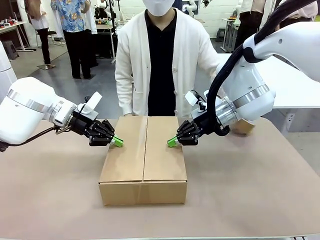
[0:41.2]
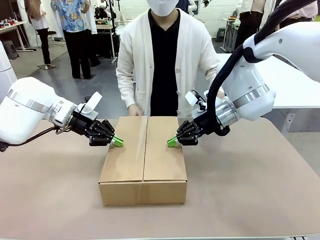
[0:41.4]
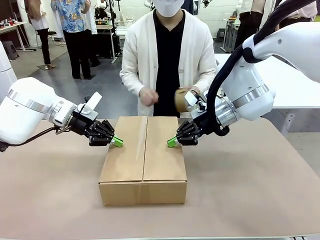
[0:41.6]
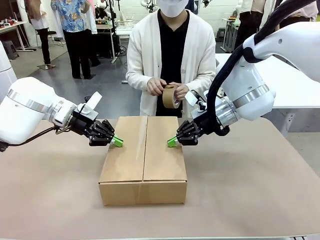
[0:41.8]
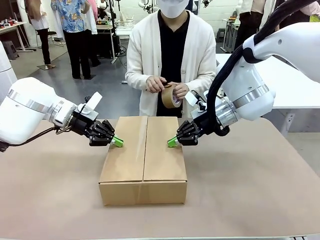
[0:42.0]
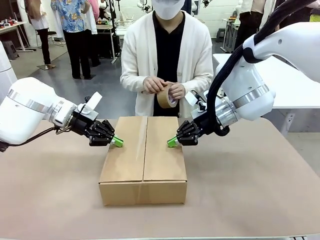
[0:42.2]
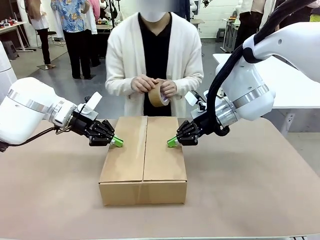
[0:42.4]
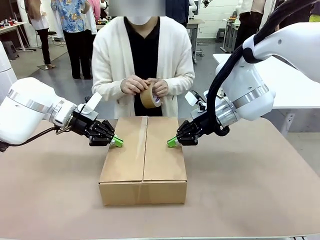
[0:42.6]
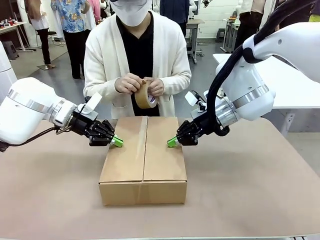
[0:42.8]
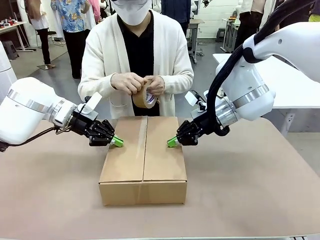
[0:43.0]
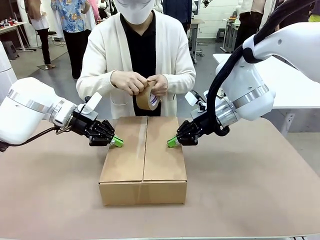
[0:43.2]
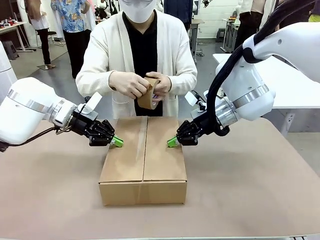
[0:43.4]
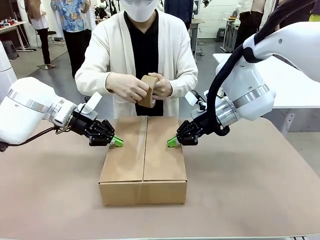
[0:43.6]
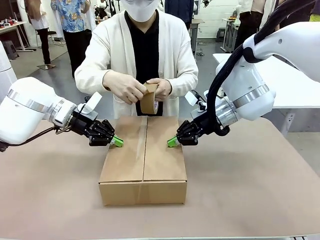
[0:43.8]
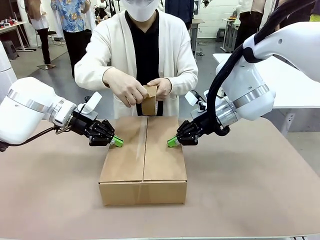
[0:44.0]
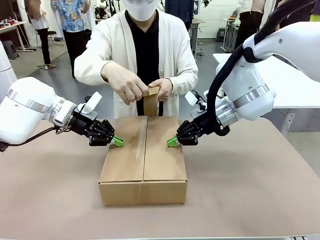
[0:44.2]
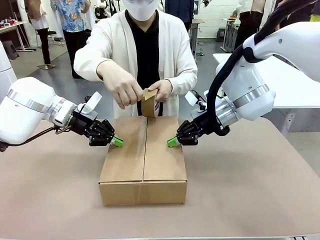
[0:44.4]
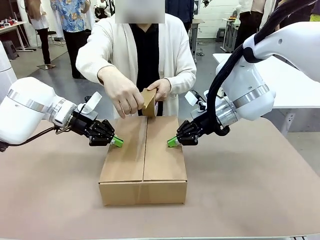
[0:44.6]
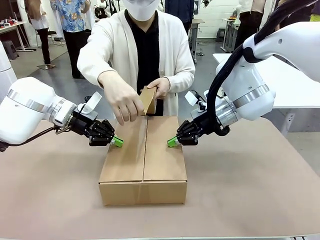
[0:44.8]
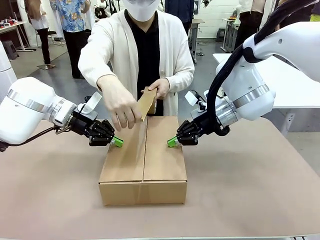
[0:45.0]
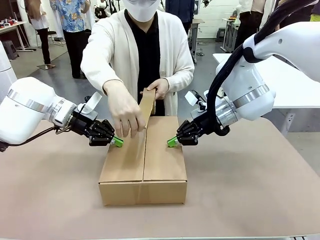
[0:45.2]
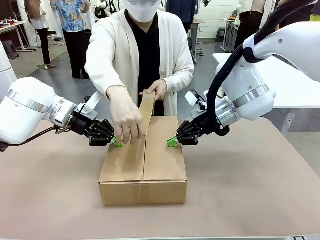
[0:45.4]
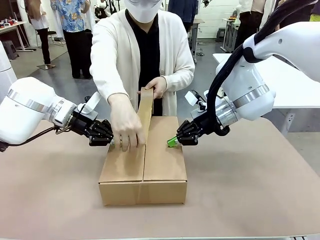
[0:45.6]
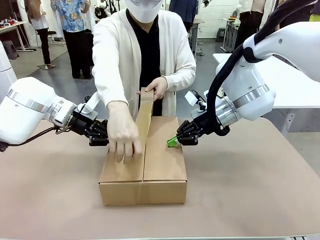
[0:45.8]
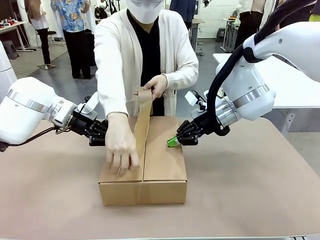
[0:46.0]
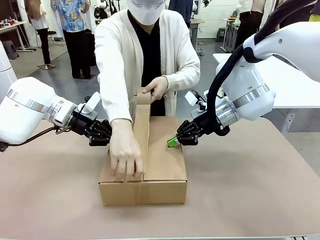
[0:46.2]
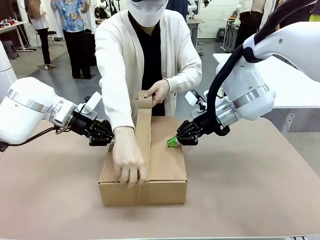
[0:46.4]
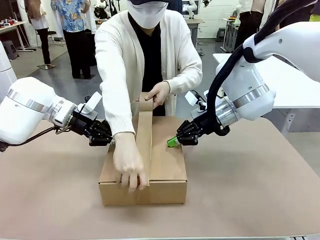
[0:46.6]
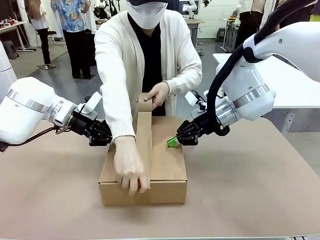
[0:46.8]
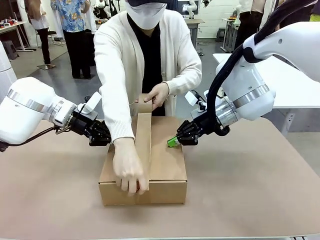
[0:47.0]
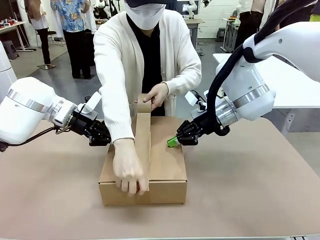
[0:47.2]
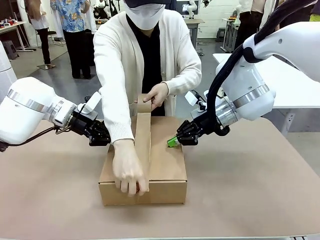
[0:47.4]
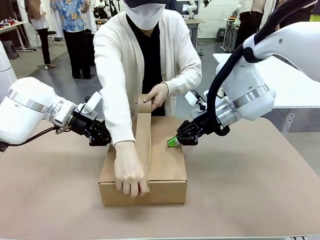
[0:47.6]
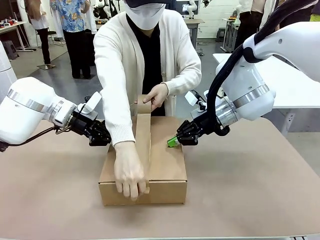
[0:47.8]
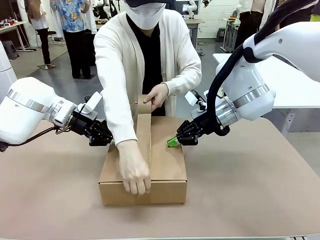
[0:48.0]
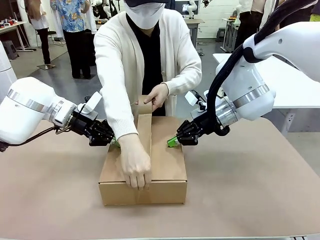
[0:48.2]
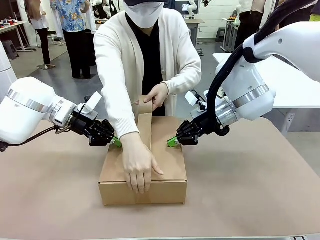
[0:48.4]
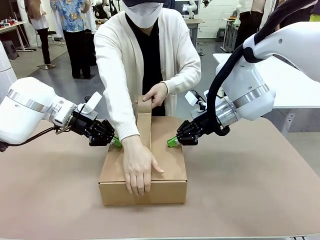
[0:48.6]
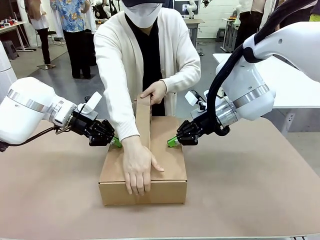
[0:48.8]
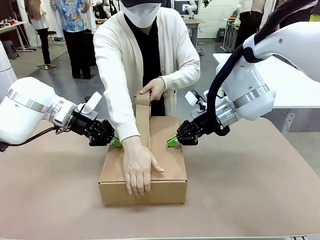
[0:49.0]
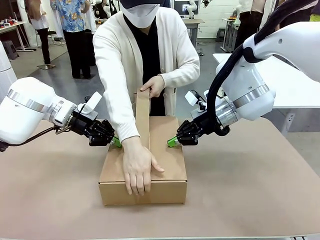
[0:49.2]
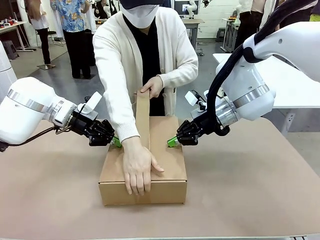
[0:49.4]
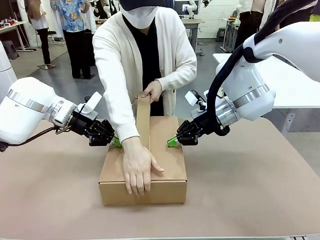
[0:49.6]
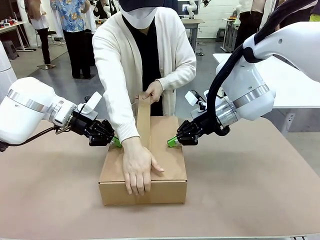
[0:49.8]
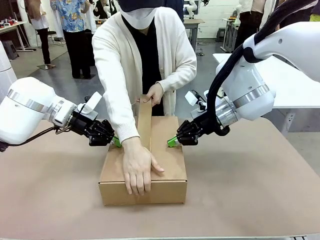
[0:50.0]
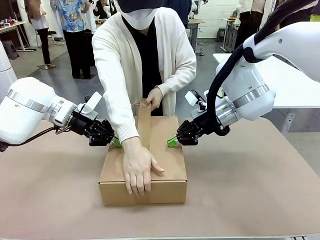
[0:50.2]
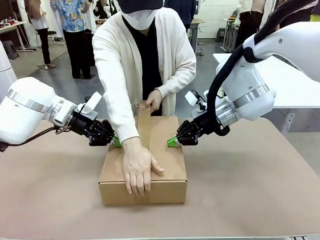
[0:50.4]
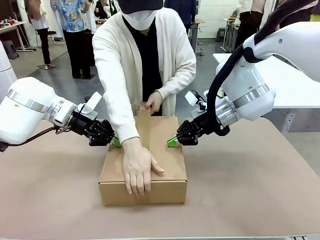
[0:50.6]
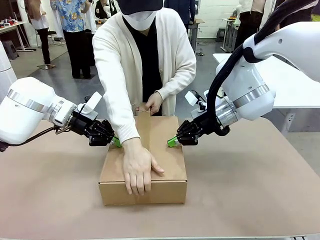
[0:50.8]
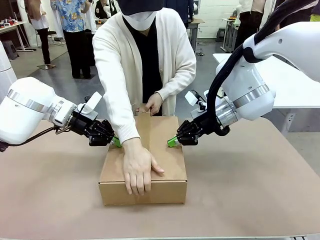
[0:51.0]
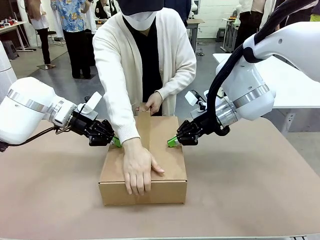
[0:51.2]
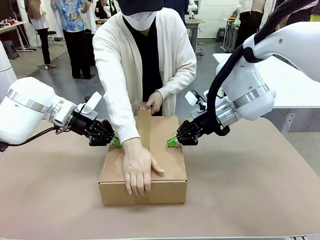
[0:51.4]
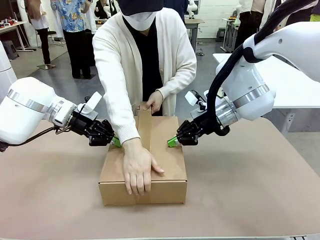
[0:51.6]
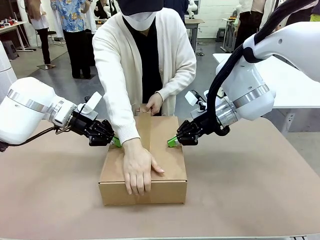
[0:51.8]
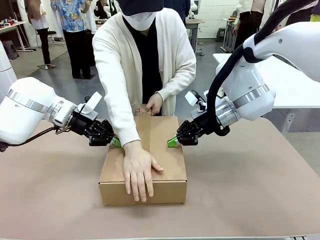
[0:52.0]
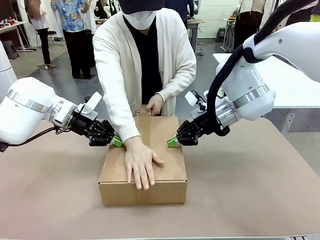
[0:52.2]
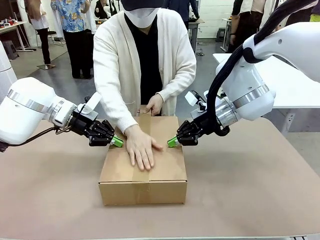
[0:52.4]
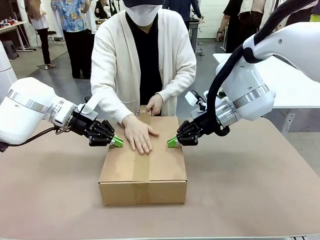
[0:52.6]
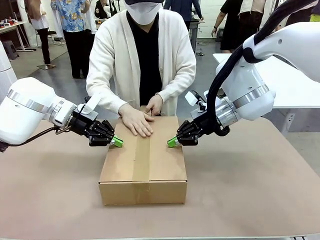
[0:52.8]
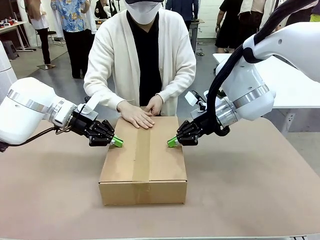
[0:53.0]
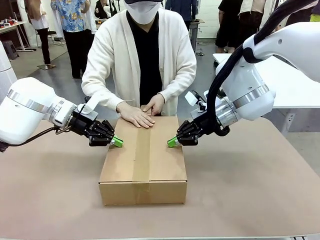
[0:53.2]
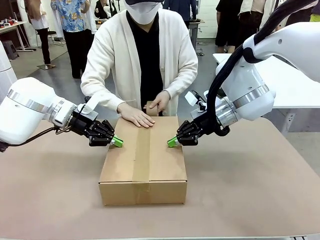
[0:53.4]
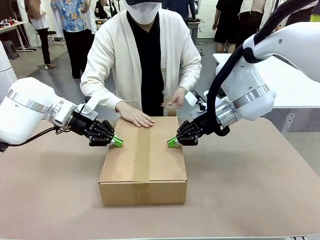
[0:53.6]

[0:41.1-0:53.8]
Task: Wrap the clocks to prevent damage.
Robot: After the human seals the box with tape, release both hands from the side flaps of the Package Box.
Person: Once the robot closes the left flap of the Package Box , seal the box with Paper Tape.

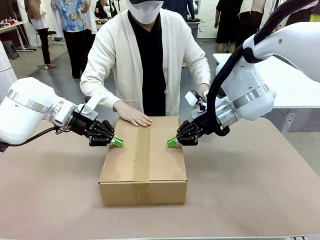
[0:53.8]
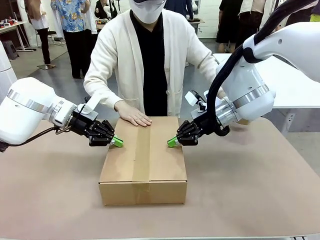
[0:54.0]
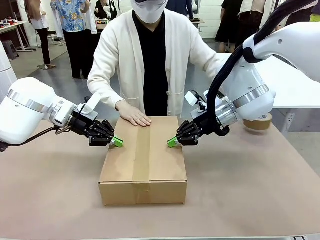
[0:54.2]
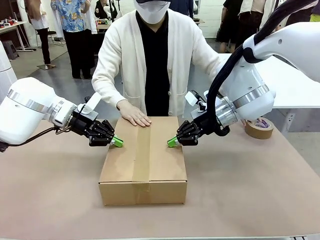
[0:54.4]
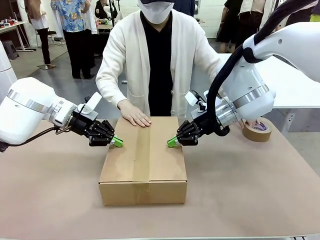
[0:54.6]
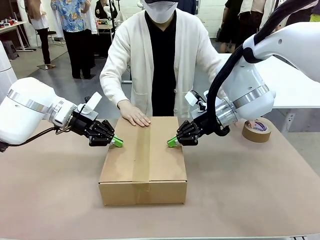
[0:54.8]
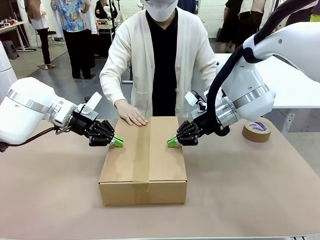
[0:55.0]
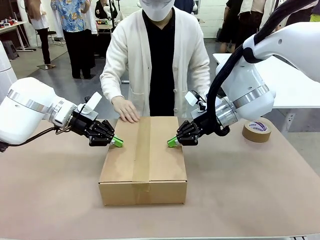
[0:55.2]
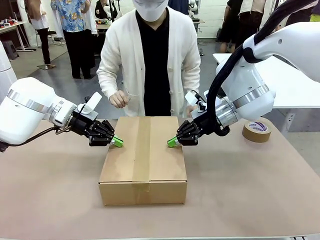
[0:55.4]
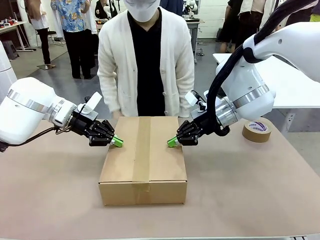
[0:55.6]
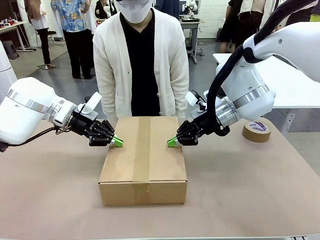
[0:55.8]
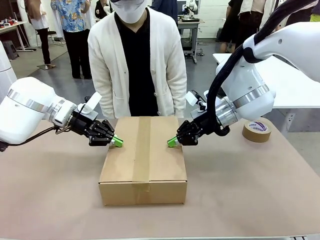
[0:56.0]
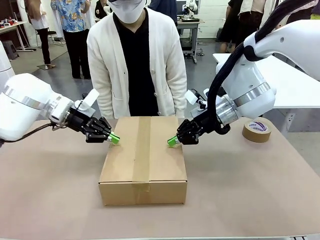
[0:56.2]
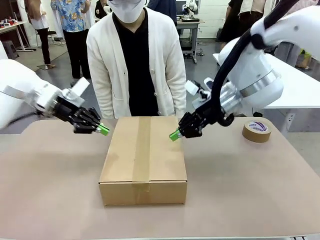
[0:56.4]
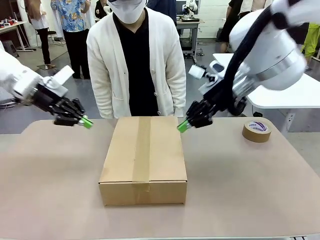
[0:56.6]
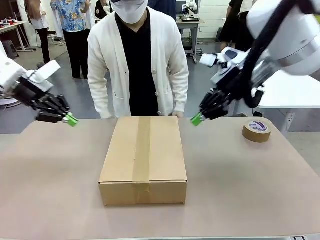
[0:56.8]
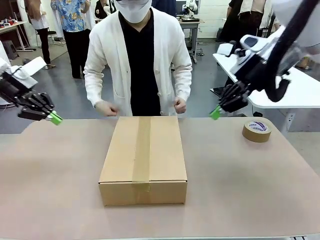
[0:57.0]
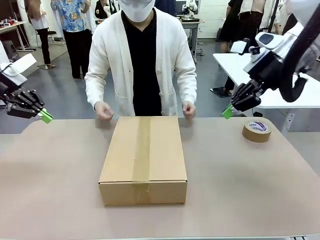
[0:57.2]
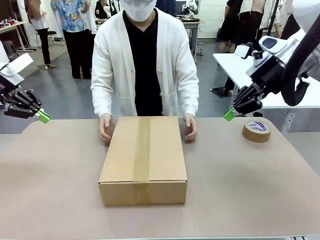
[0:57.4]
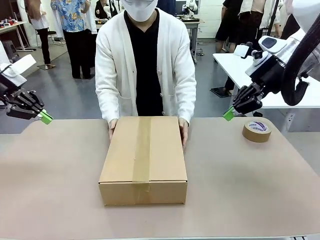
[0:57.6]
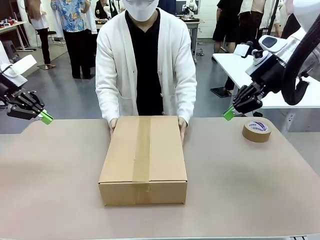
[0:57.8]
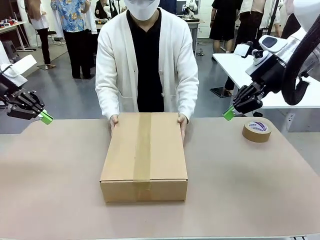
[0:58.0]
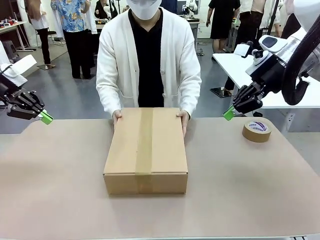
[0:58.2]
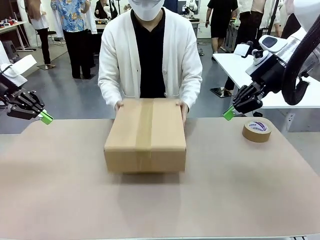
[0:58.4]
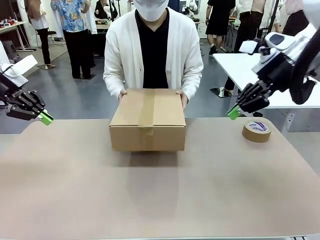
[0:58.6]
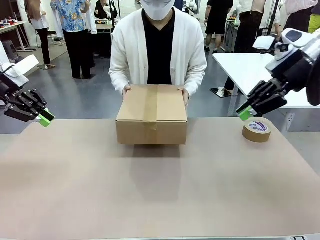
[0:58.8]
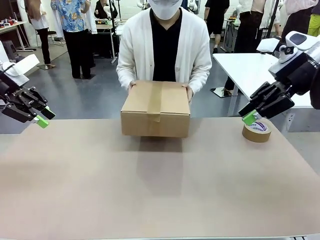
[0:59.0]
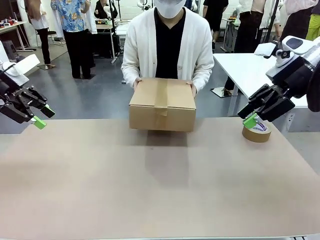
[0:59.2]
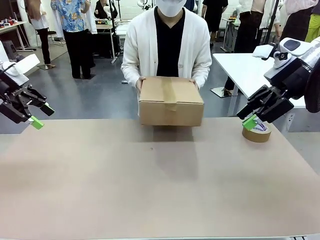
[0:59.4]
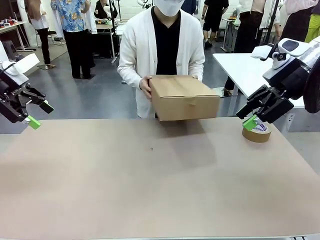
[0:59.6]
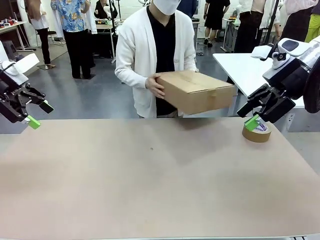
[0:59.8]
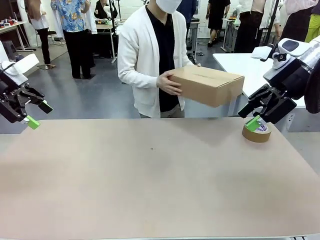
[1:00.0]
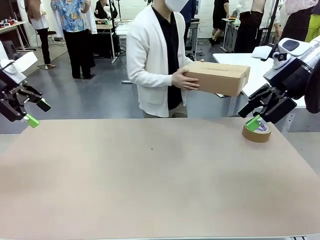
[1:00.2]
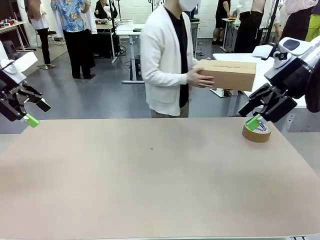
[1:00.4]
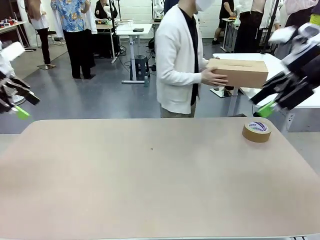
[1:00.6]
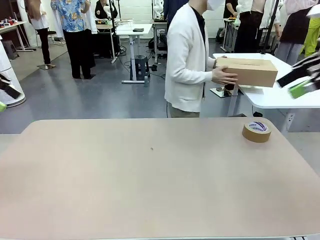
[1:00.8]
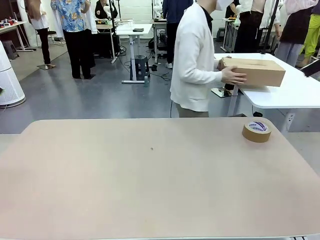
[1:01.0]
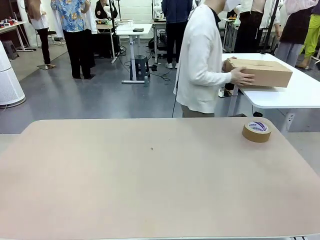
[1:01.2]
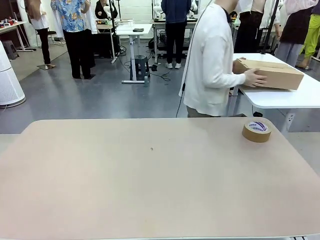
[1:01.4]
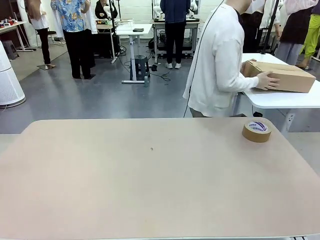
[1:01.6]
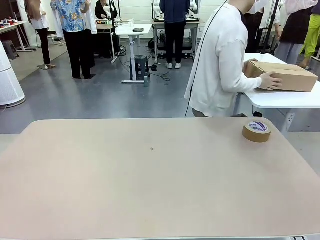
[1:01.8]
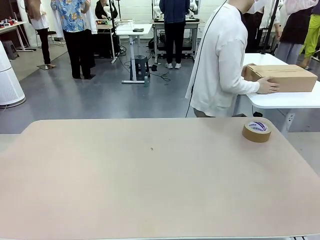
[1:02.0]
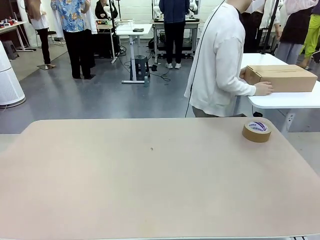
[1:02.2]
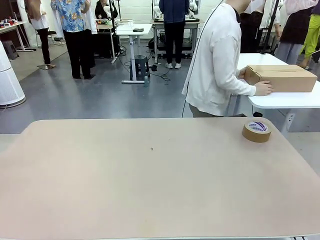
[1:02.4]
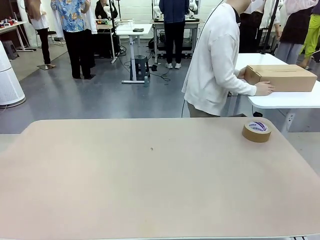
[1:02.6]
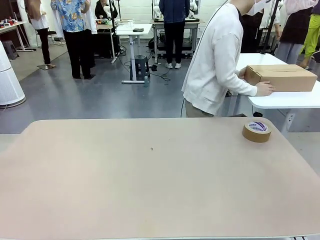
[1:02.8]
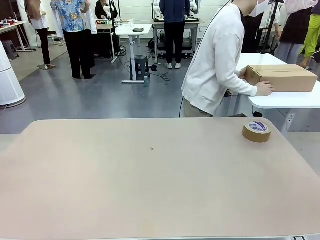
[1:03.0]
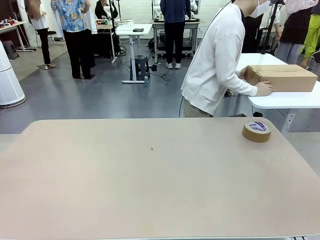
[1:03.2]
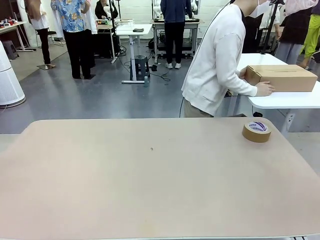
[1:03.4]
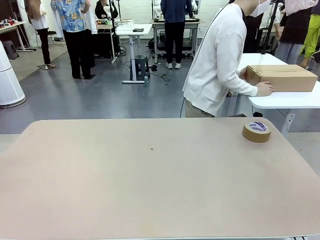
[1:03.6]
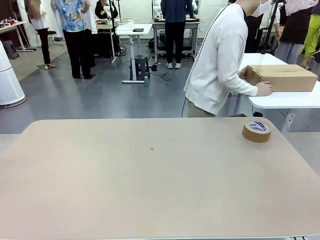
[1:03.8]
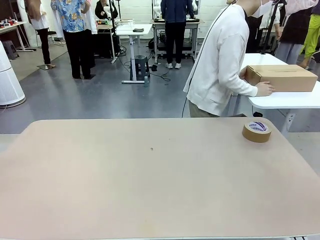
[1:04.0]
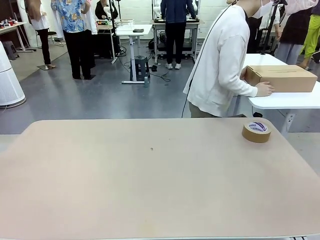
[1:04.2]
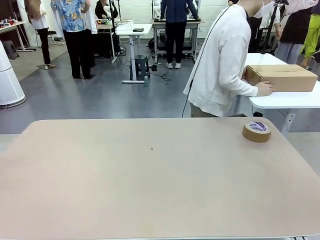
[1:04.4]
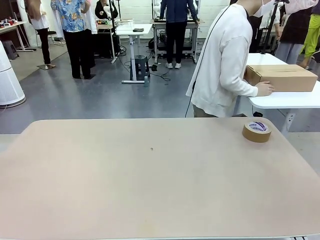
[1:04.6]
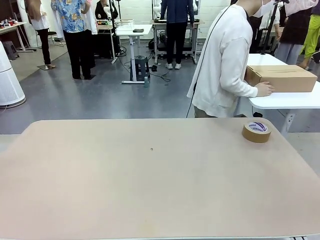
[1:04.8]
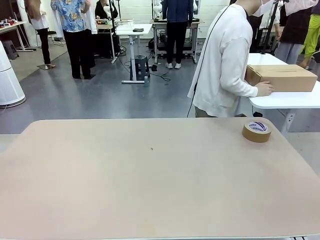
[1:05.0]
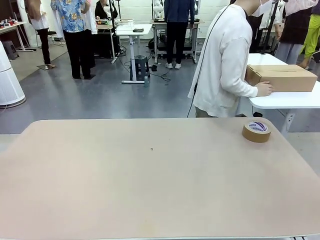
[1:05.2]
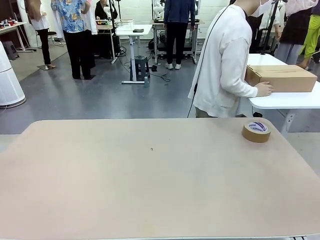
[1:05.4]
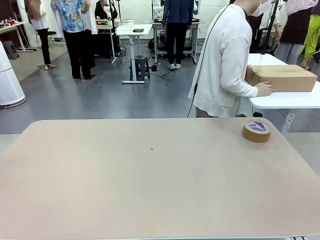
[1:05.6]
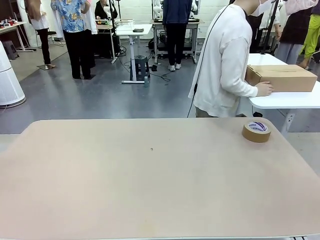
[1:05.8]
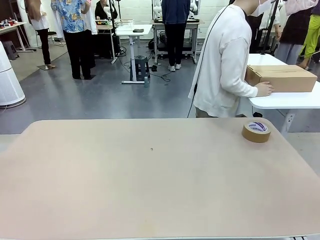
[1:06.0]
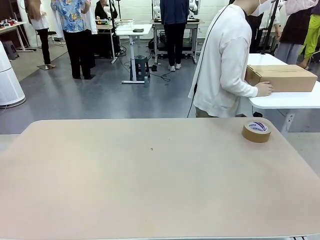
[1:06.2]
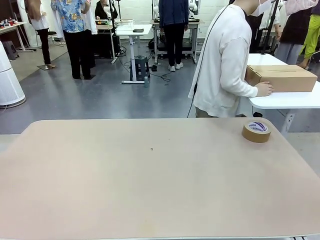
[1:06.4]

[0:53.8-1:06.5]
Robot: After the human seals the box with tape, release both hands from the side flaps of the Package Box.
Person: Place sealed Package Box in the middle of the human's table.
